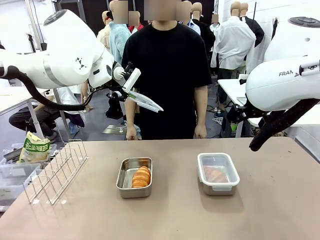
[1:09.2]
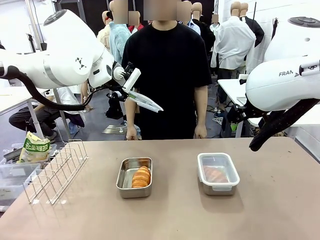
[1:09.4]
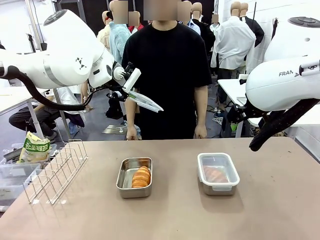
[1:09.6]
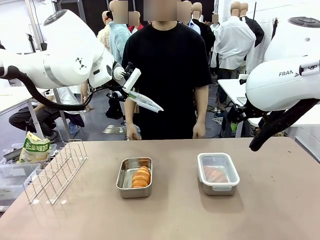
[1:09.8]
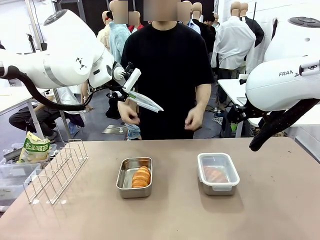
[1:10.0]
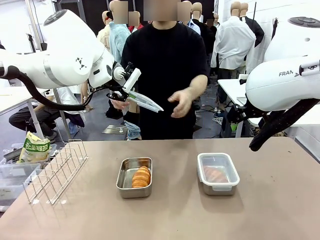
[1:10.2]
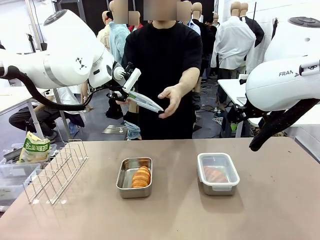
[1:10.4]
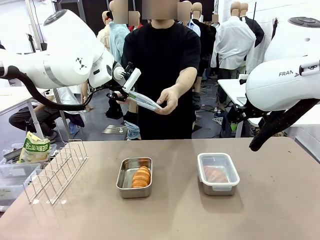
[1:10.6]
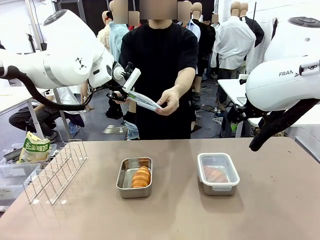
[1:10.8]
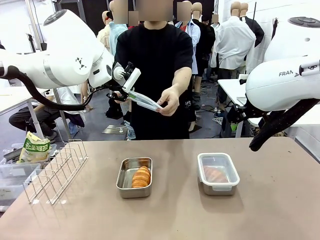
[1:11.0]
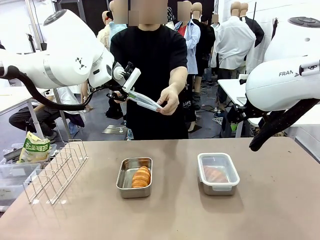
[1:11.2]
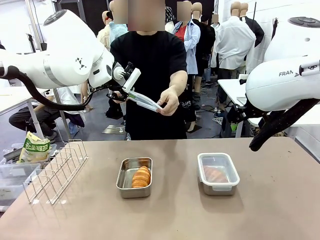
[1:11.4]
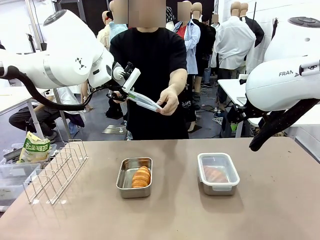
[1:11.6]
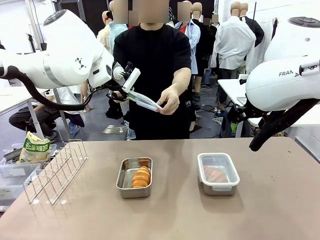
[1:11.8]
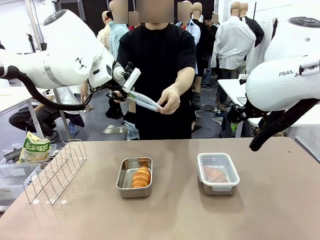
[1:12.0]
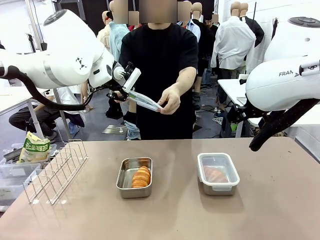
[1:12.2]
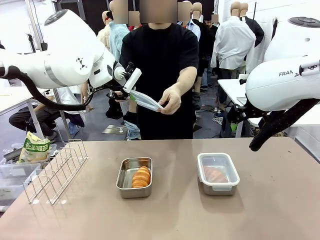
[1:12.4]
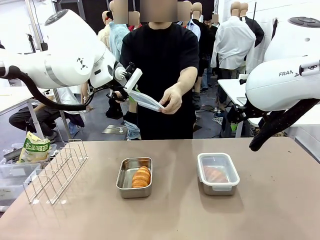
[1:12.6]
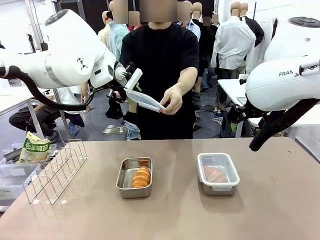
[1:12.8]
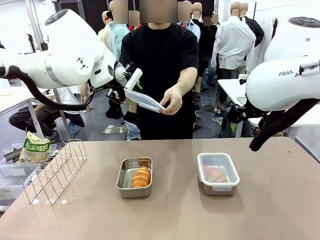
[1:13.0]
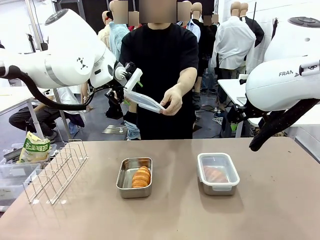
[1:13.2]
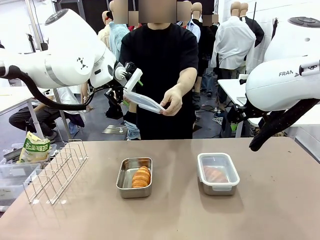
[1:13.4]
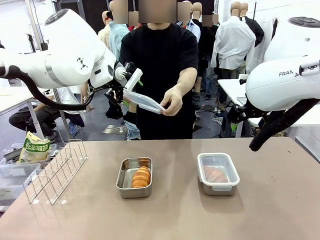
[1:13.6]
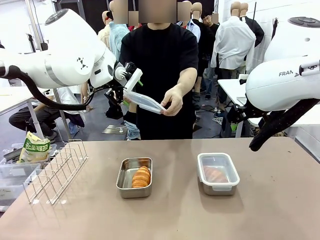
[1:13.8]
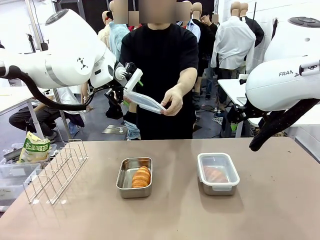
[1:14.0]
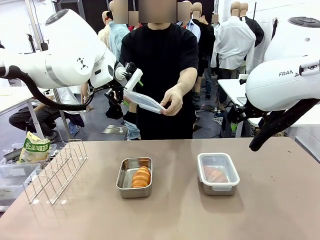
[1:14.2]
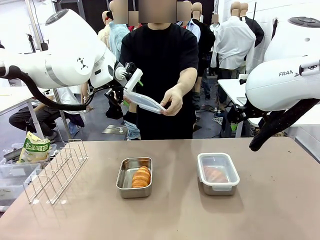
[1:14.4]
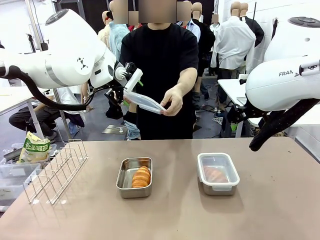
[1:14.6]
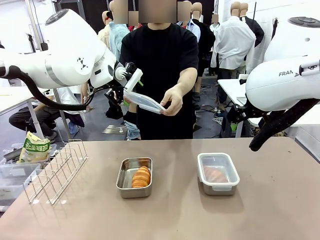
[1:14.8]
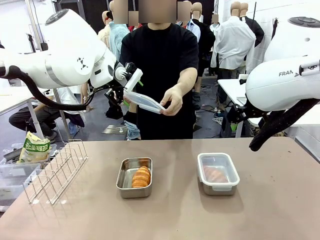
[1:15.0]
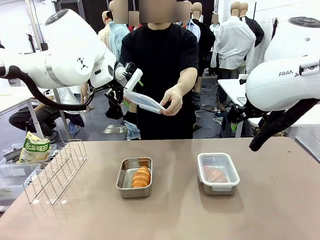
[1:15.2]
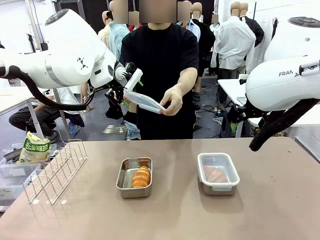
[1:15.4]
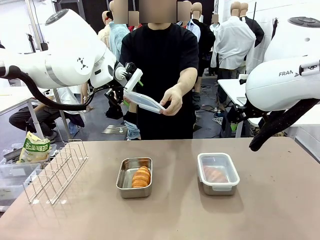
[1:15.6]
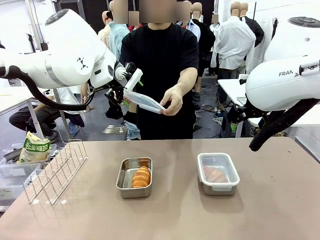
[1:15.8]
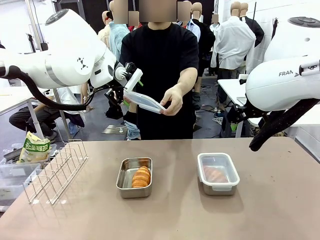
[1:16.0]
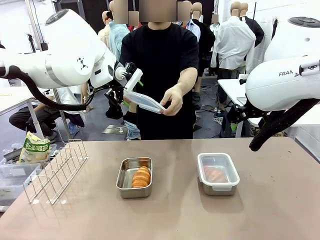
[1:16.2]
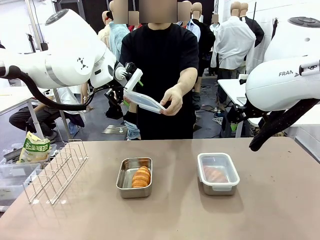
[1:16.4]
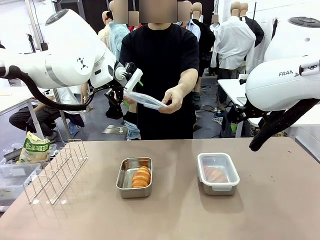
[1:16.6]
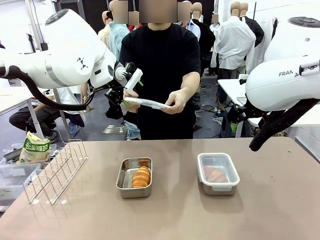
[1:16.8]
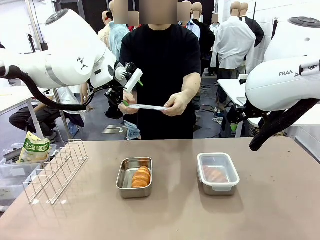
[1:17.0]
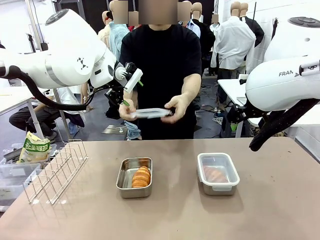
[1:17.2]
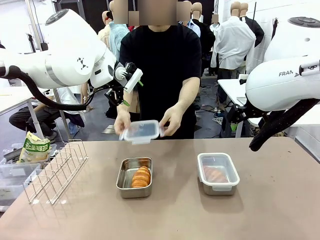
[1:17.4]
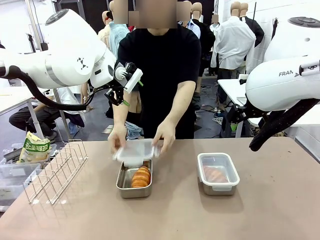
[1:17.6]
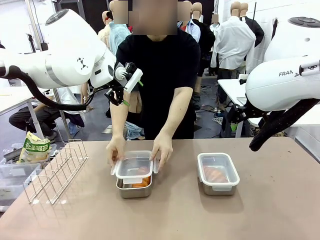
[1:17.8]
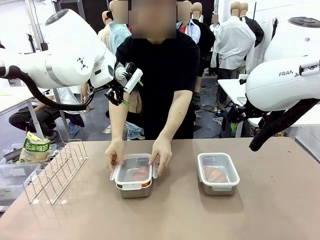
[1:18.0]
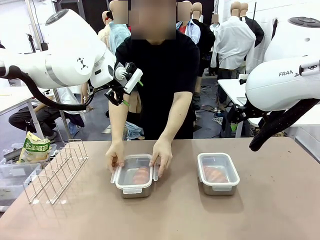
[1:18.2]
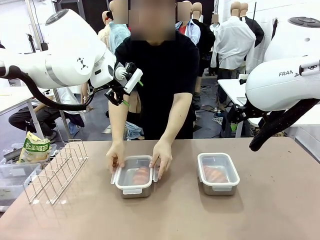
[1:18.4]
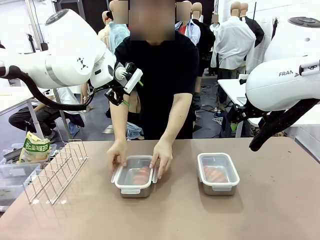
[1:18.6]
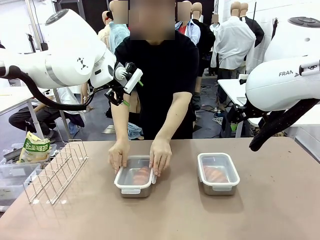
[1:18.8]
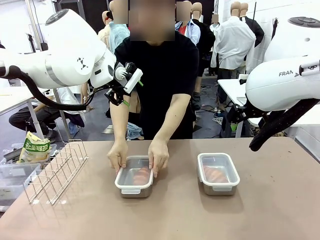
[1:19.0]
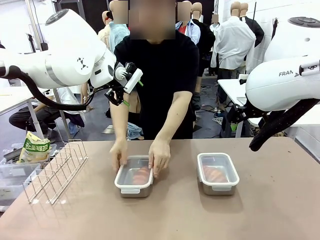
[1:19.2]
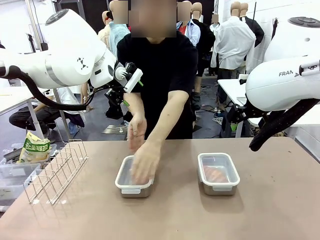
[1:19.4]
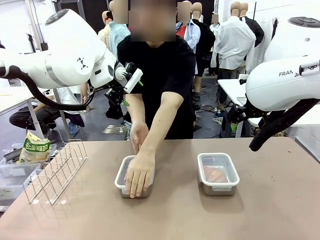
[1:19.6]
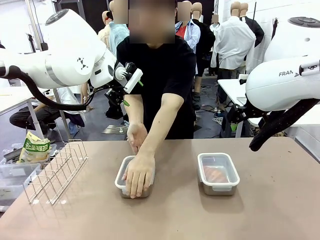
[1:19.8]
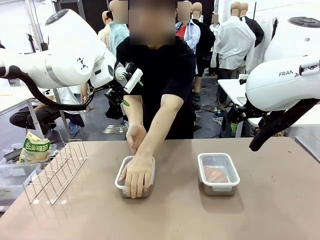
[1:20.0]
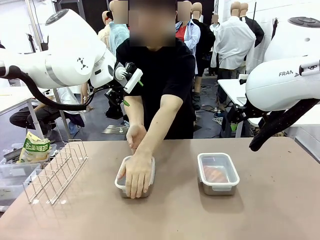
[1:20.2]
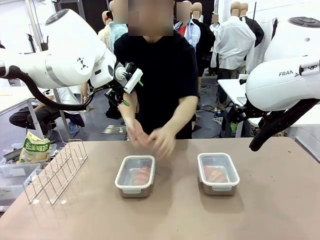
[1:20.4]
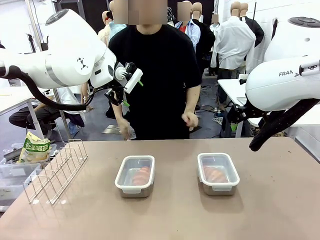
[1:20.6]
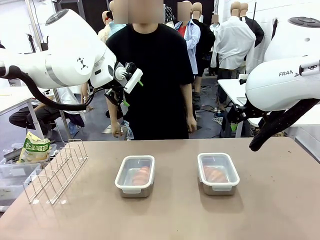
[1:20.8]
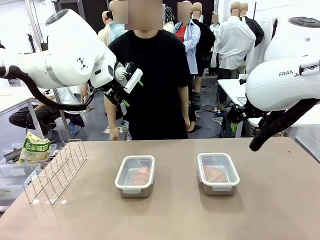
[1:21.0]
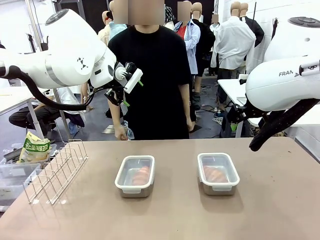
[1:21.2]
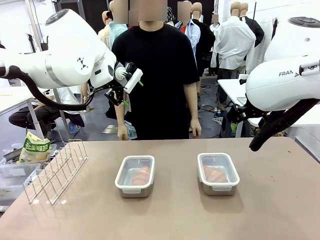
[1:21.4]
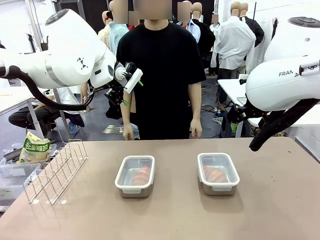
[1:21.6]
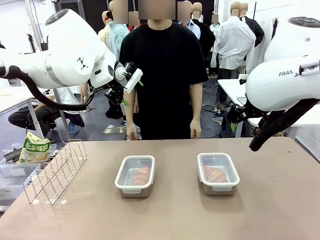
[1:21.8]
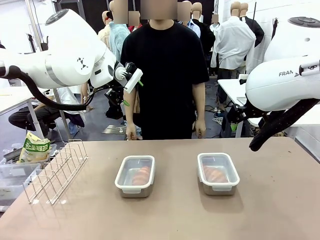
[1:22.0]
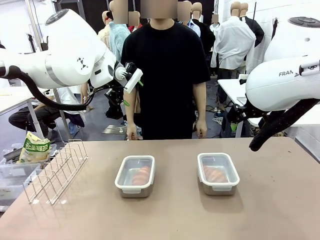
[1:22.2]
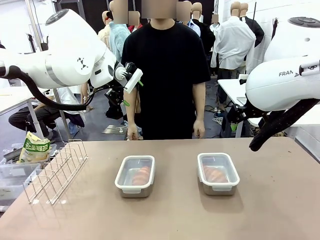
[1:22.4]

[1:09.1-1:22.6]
Task: Place the bread in airtight containers.
Robot: Release when the human grabs the Airtight Container lid.
Person: Close Airtight Container with a handed Airtight Container lid.
